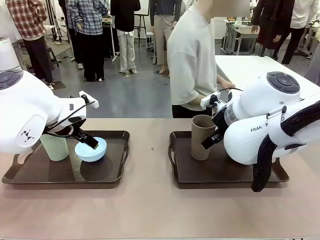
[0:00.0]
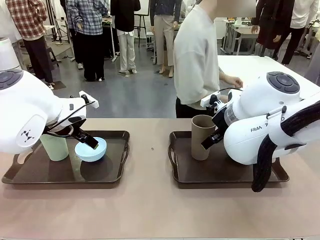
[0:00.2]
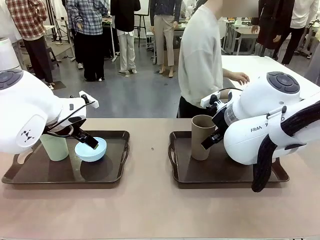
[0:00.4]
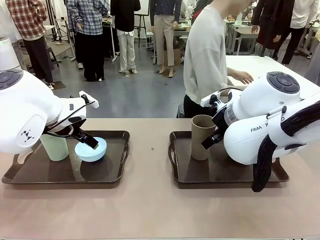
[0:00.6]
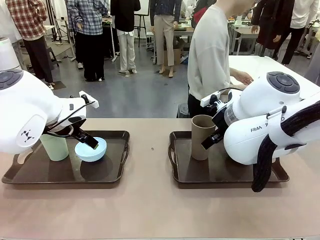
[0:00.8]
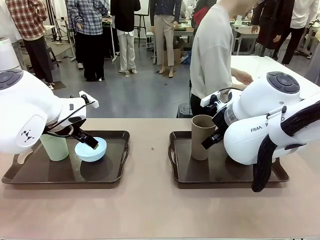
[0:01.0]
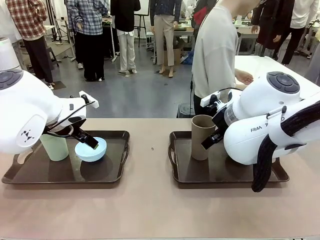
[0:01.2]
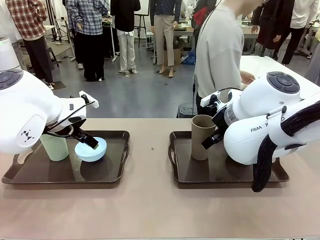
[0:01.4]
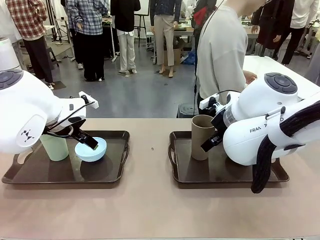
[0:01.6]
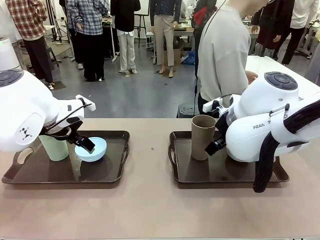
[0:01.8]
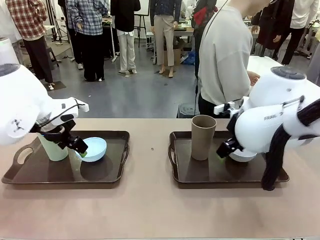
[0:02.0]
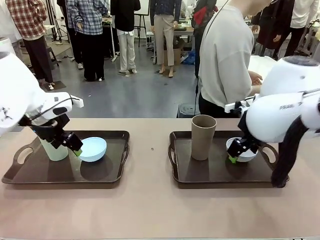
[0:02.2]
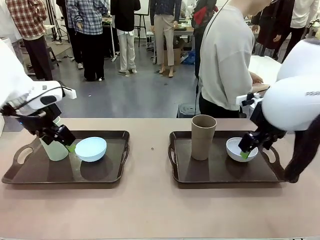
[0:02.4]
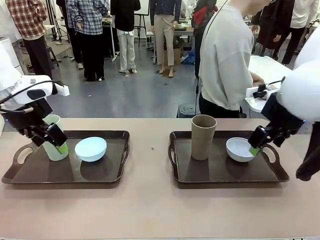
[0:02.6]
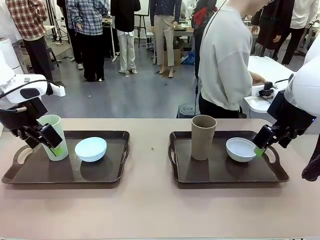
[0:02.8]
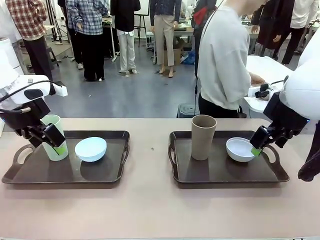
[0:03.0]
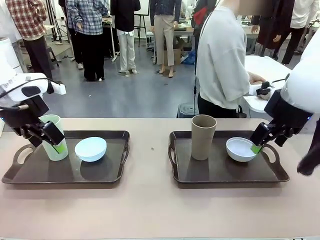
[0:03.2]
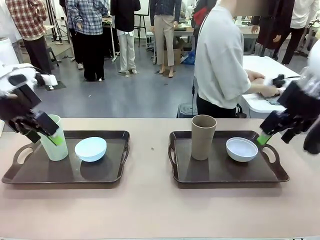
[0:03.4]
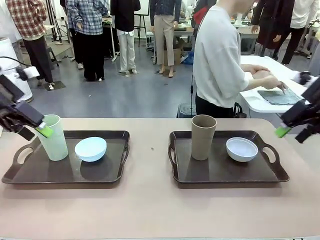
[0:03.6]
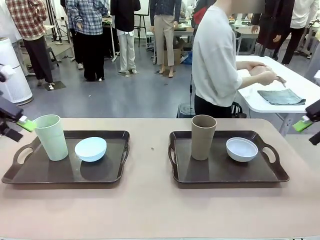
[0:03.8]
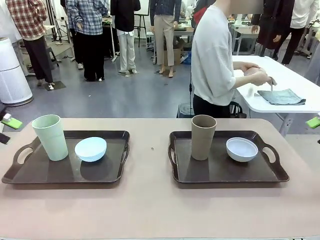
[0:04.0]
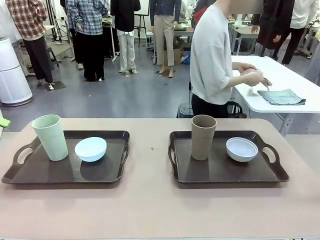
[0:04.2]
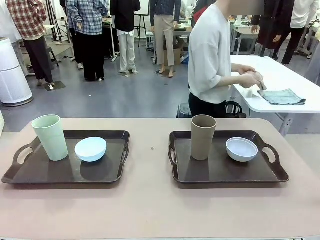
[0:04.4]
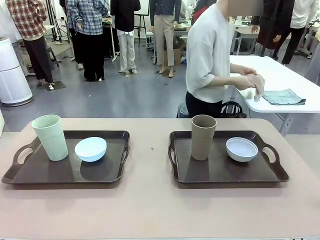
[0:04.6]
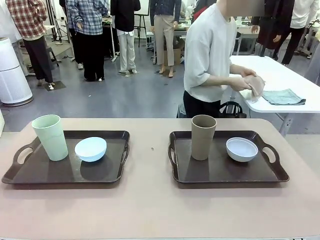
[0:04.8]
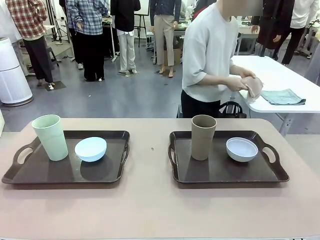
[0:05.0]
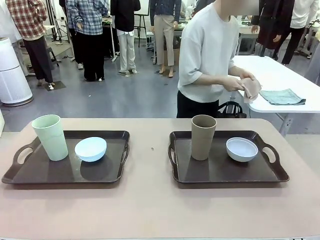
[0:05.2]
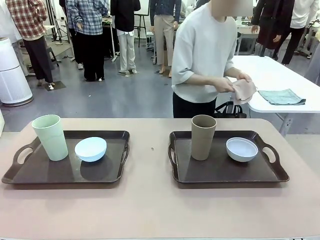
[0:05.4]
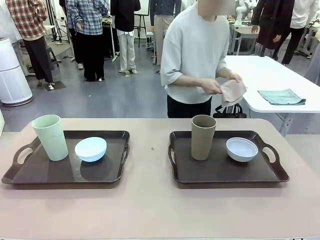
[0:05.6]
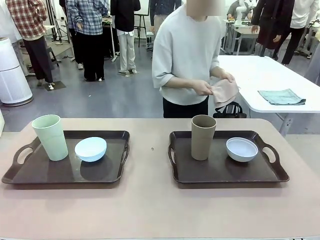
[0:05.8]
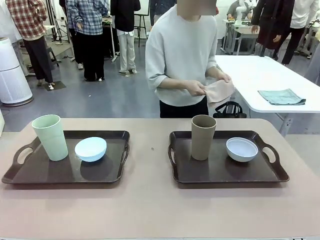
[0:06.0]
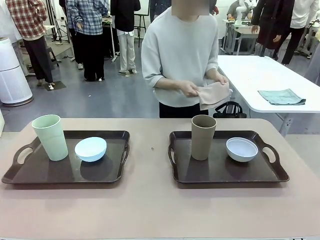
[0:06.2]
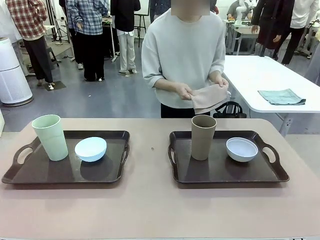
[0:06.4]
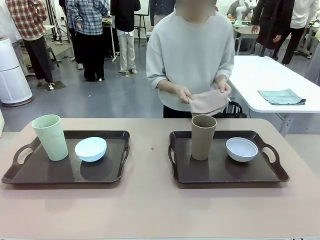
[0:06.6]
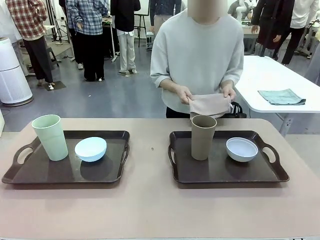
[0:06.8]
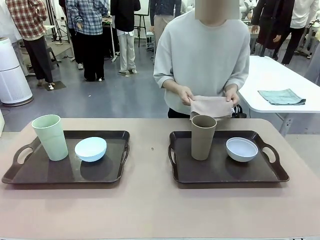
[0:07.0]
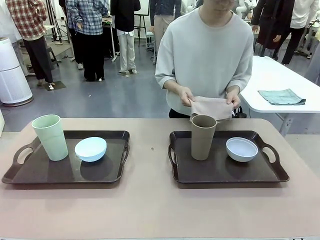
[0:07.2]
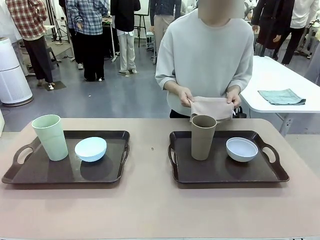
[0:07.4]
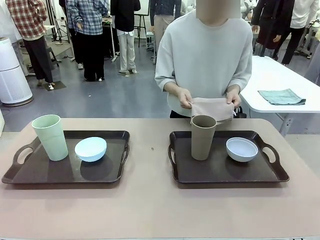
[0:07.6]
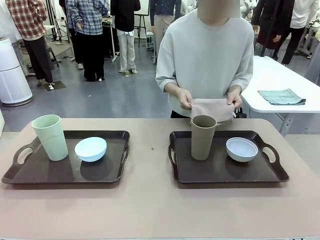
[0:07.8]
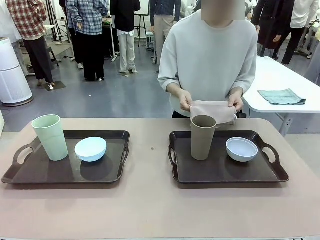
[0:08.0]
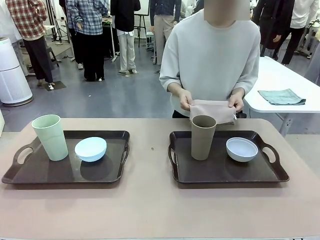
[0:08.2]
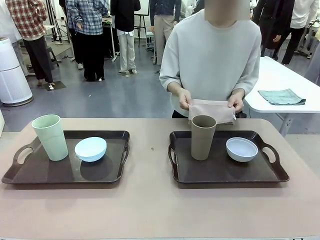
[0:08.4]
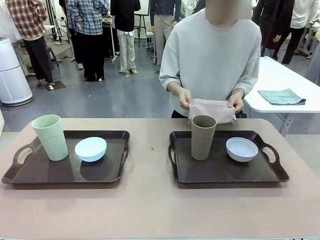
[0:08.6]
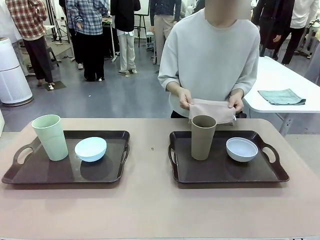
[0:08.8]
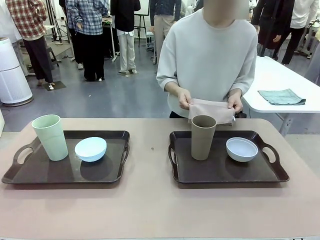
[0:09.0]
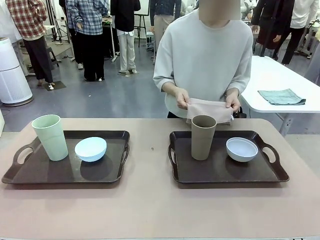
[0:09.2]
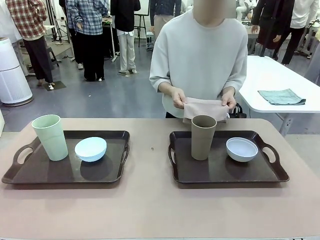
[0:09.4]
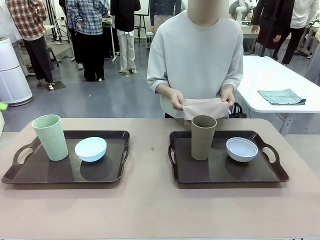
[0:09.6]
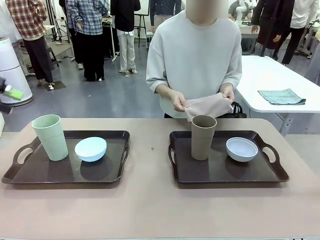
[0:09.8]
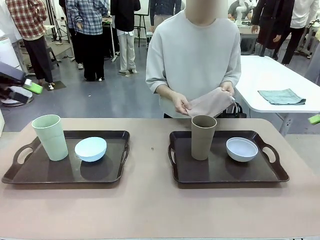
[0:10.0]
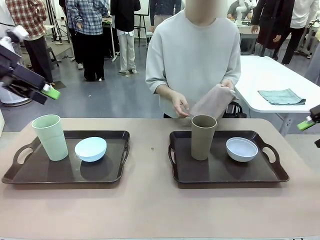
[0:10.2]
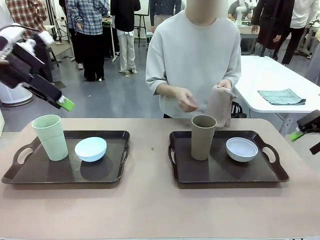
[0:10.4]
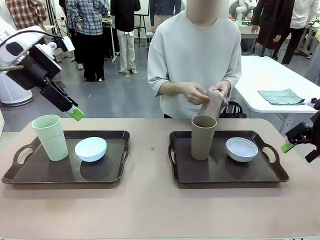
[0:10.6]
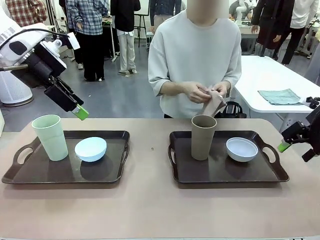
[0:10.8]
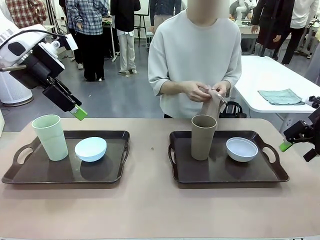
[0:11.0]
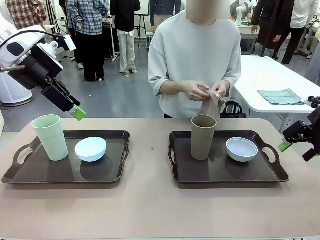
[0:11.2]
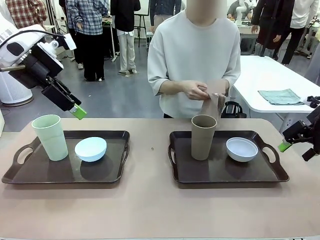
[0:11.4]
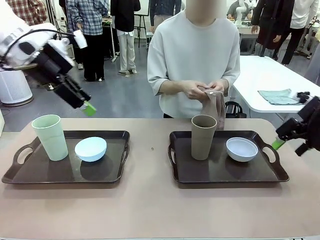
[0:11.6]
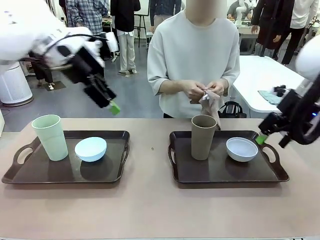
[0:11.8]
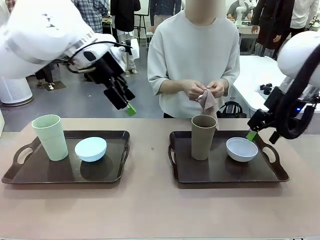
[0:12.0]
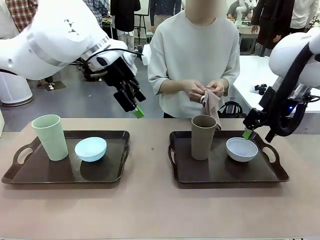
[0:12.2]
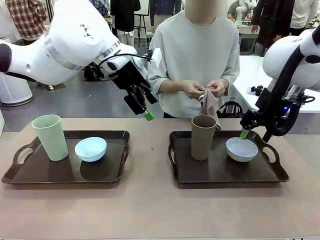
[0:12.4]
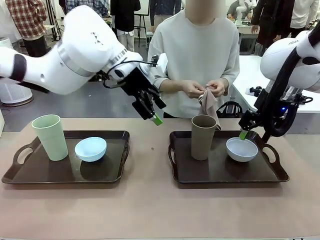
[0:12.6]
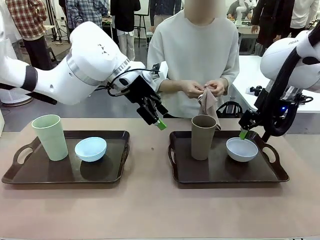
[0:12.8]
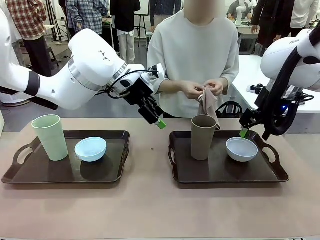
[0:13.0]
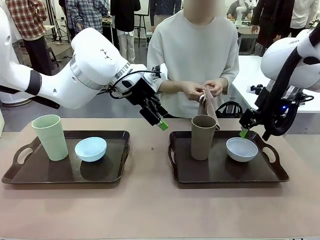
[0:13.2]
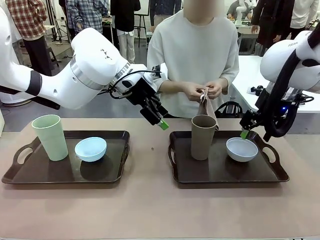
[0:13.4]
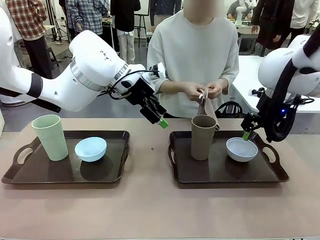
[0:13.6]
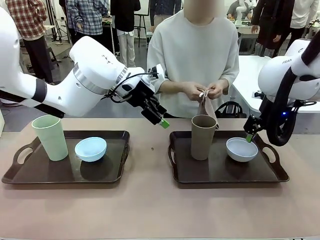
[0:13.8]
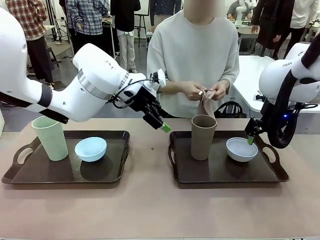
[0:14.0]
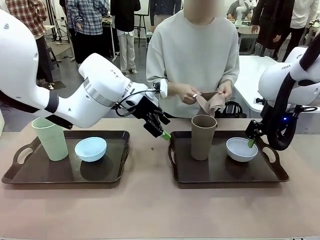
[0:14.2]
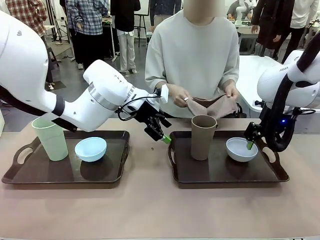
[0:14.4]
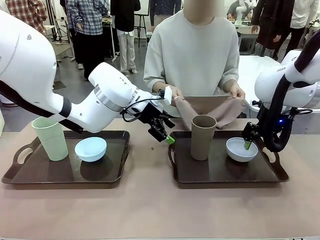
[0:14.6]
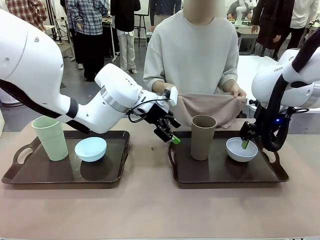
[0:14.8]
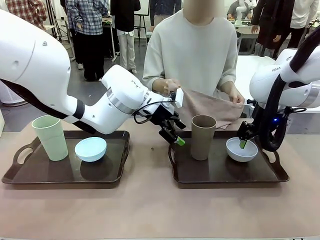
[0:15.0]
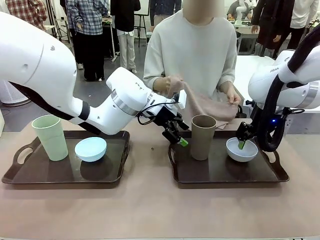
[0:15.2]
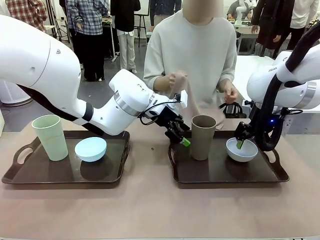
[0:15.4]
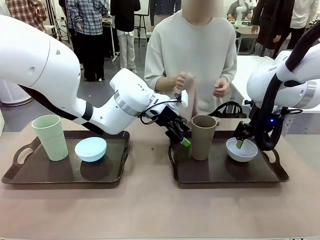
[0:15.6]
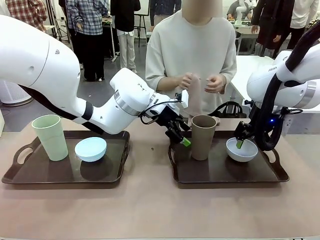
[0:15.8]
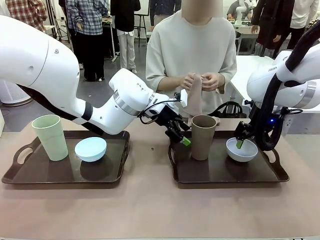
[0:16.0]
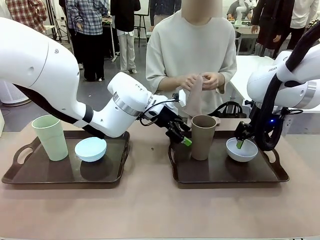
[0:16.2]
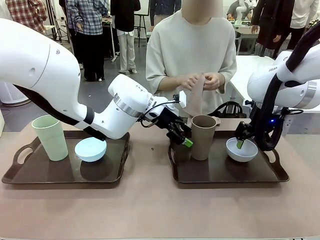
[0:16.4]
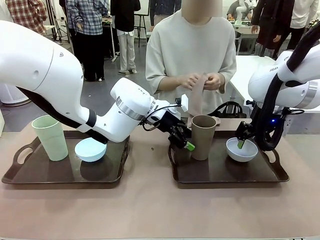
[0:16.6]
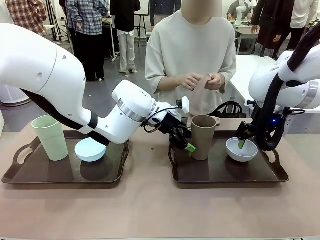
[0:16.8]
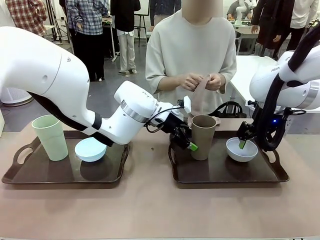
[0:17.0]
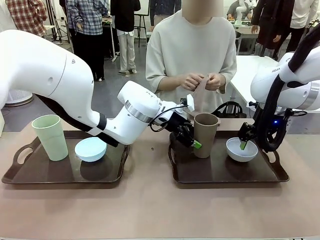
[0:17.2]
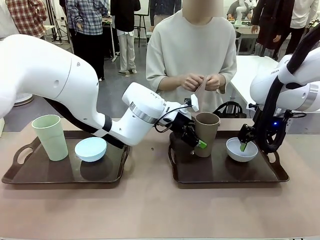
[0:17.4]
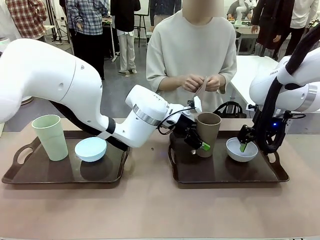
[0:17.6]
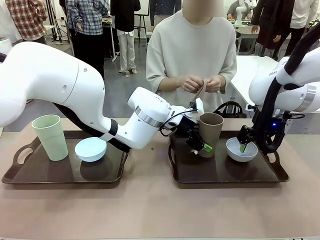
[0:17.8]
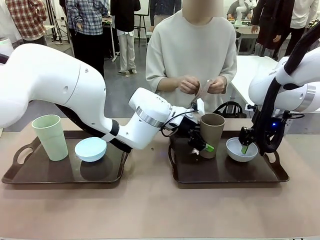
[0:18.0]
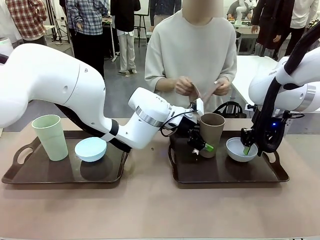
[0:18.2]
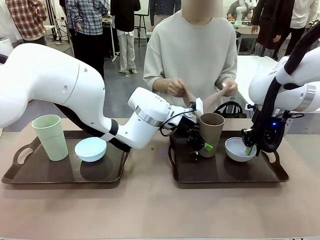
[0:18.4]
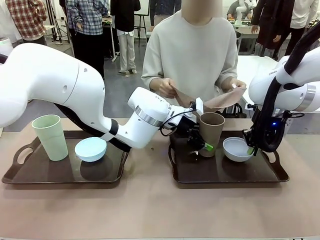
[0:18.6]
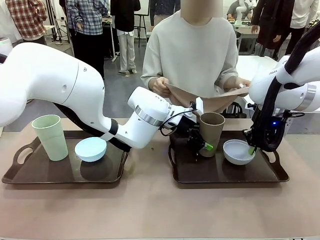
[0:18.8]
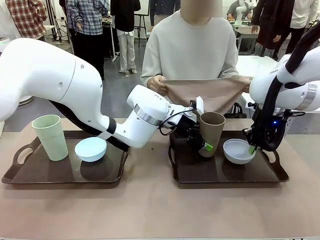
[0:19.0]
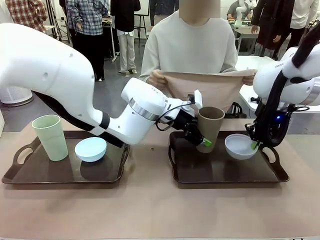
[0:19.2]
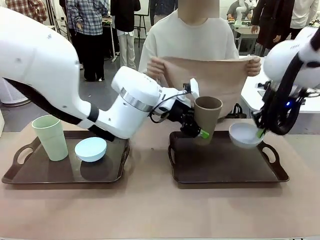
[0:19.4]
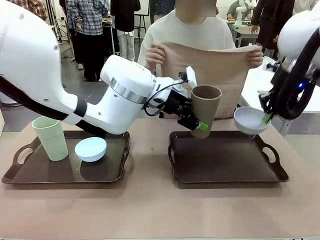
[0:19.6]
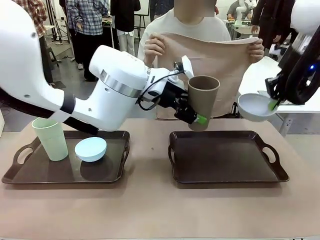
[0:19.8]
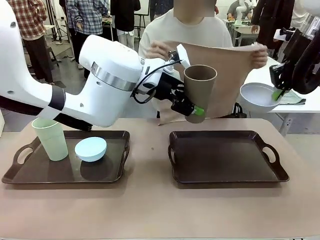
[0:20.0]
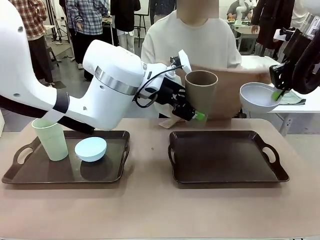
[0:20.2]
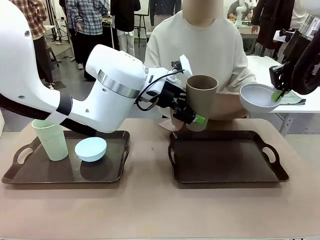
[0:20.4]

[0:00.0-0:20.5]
Robot: Pick up the Picnic Bowl and Reusable plastic cup from the Handle tray in front of the human's position and hold them in the air.
Person: The human picks up the top napkin from the stack on the human table and walks to the robot table to stand in front of one of the two trays. When the robot lifts the bowl and the cup, the human unfolds the napkin and lays the napkin flat on the tray.
